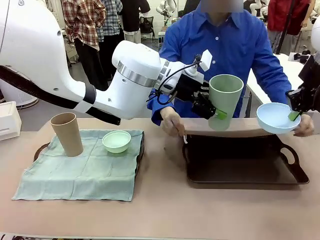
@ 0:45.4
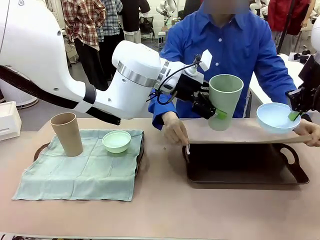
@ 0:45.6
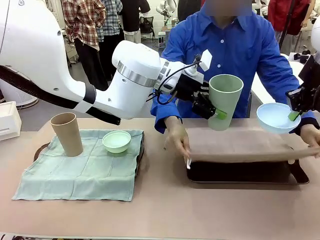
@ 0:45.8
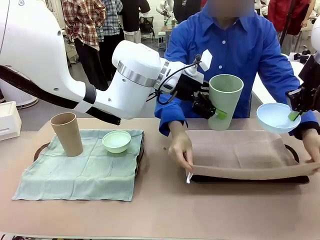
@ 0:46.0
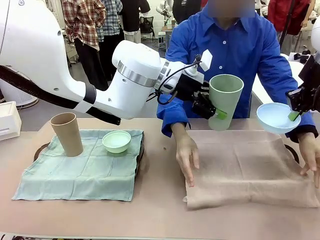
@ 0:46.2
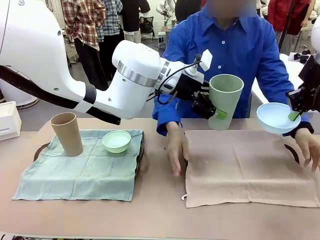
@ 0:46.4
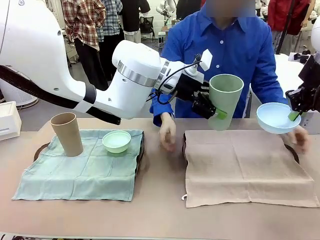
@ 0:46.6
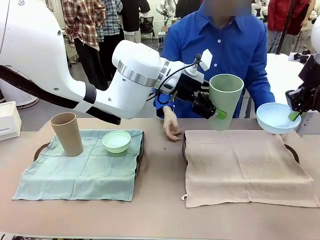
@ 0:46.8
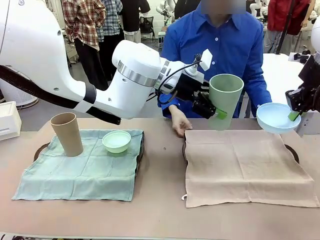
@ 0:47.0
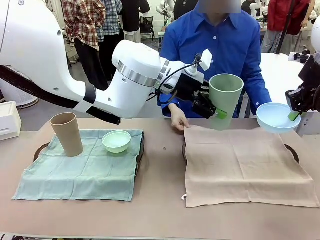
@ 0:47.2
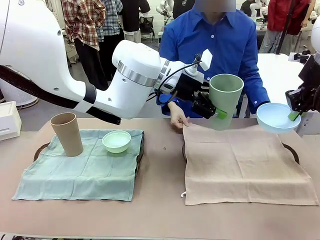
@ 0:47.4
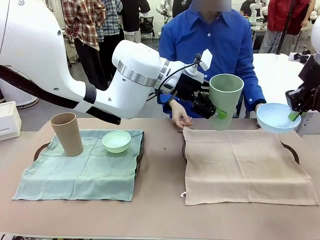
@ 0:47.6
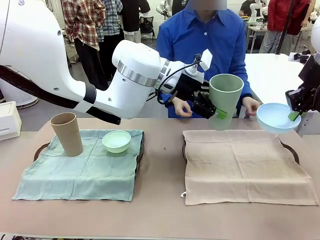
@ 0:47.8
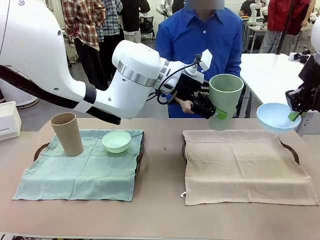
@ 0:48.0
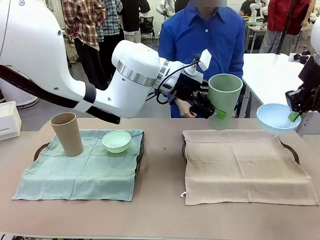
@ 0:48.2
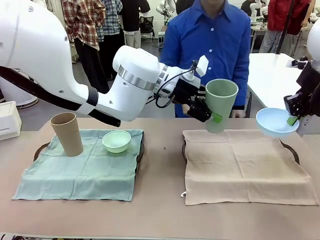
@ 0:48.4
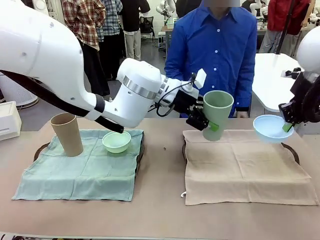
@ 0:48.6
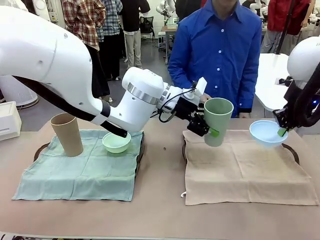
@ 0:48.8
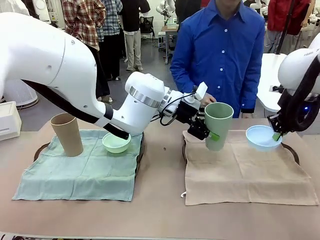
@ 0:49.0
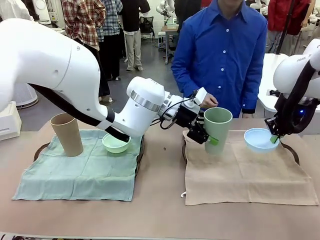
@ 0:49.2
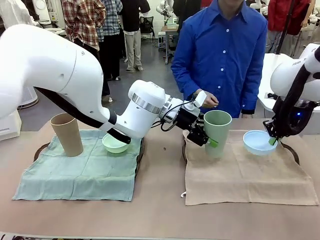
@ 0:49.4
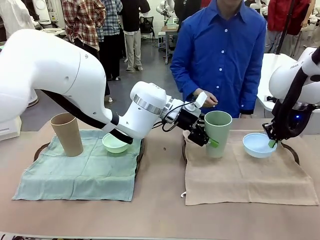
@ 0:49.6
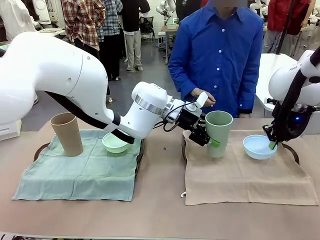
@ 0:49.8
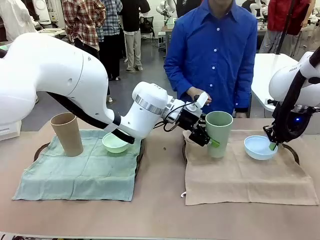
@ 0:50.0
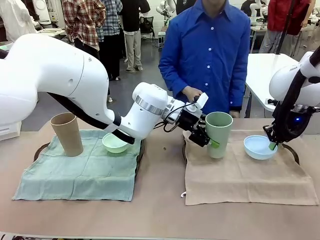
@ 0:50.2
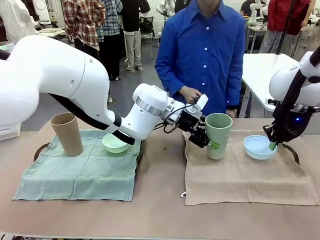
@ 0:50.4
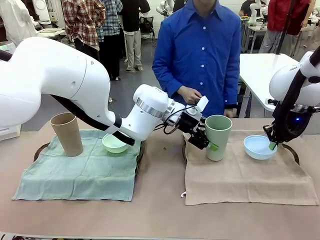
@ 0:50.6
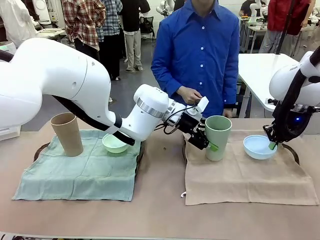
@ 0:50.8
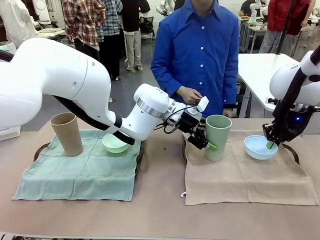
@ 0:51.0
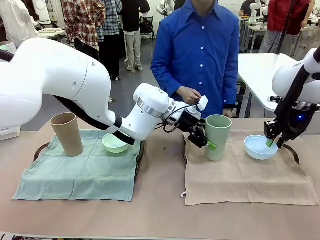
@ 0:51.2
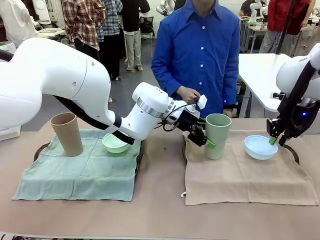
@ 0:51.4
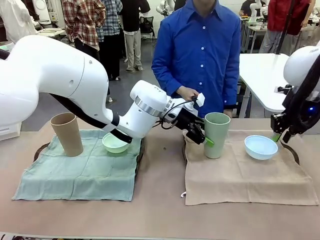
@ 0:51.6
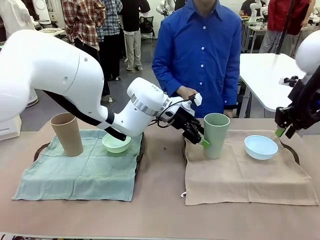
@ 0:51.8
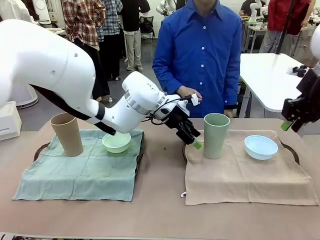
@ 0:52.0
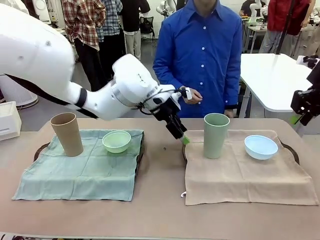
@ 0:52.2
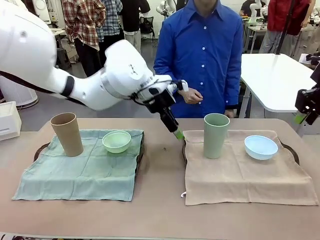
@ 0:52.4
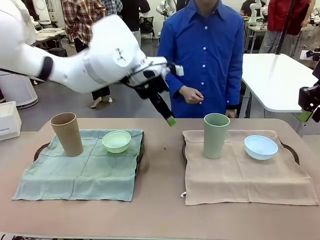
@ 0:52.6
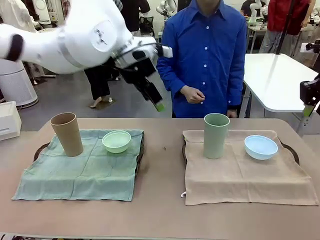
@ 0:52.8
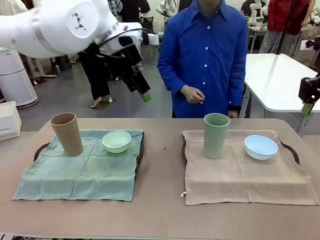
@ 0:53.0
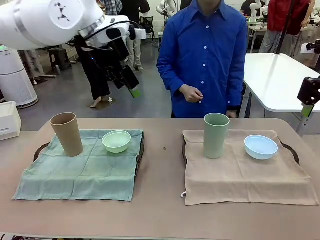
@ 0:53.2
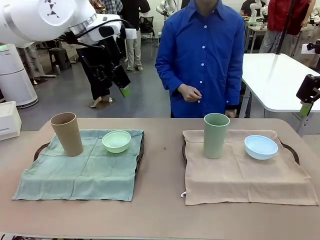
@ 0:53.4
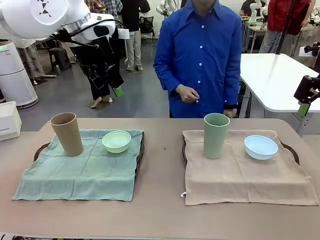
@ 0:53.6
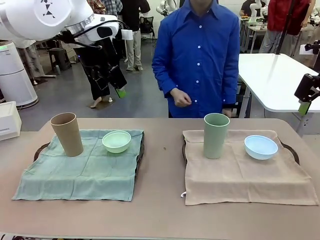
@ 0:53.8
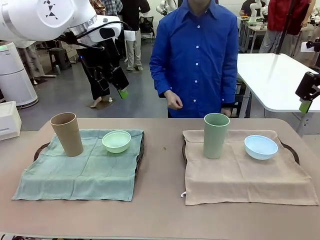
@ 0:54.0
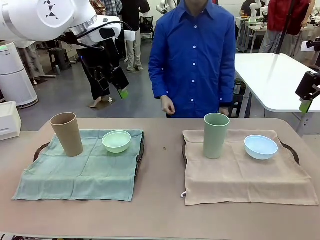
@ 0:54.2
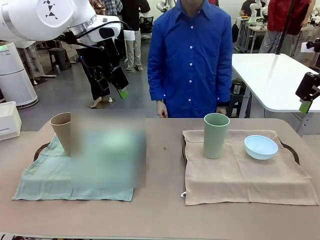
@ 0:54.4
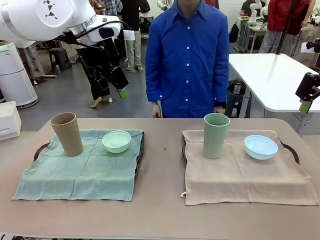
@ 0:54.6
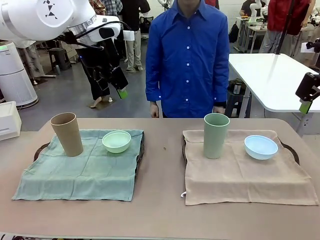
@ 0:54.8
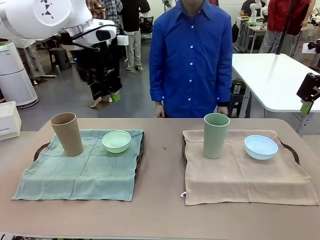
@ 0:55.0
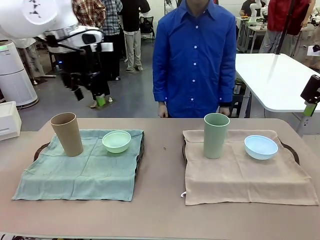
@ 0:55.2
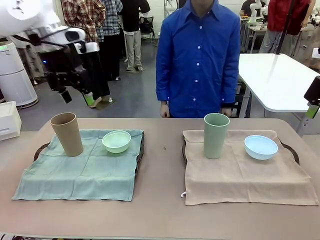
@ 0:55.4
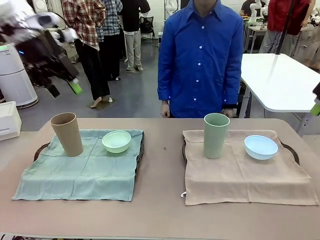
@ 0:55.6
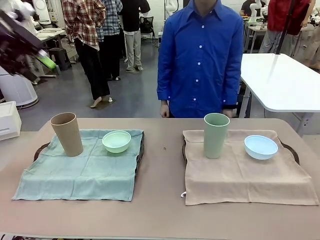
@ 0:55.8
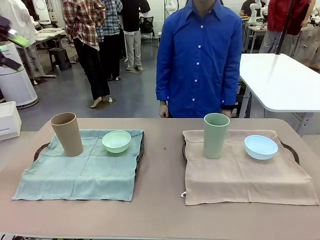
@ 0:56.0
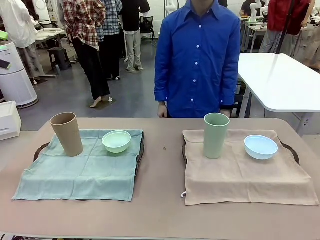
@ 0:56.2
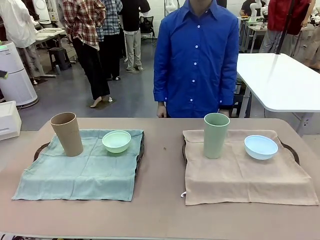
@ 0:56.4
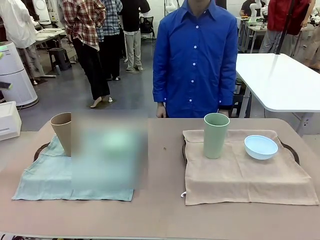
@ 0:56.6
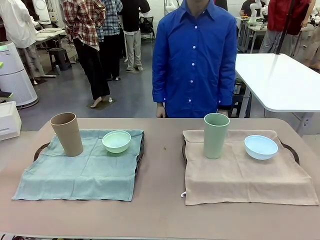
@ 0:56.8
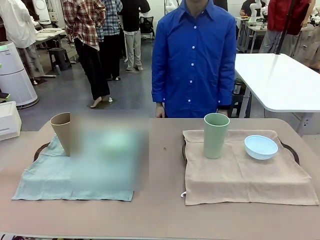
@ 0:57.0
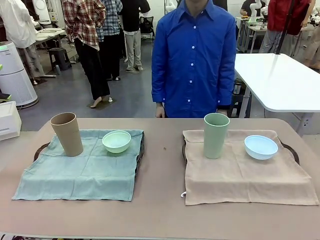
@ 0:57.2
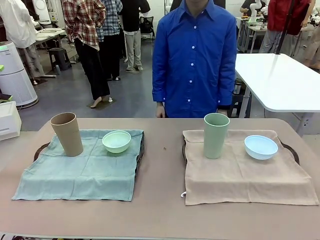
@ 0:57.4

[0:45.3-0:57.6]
Robot: Place the Picnic Bowl and Reusable plastic cup back onto the Handle tray in front of the human's position.
Person: When the robot lifts the bowl and the cup, the human unfolds the napkin and lays the napkin flat on the tray.

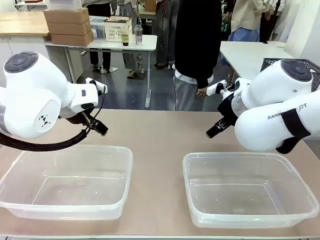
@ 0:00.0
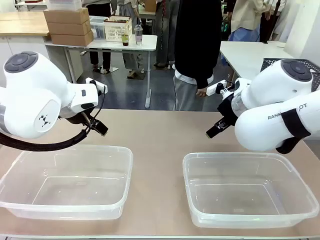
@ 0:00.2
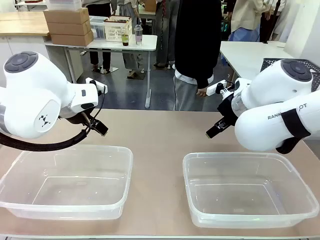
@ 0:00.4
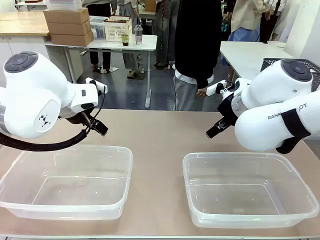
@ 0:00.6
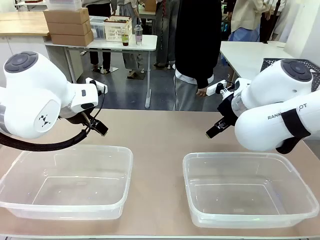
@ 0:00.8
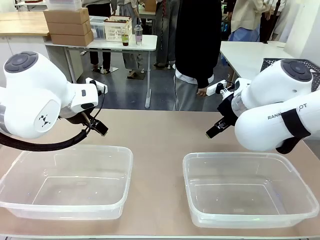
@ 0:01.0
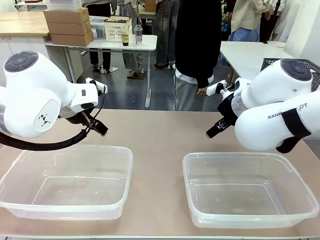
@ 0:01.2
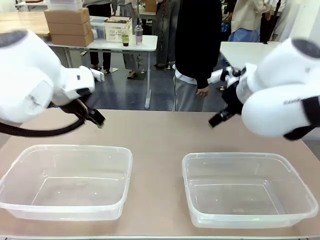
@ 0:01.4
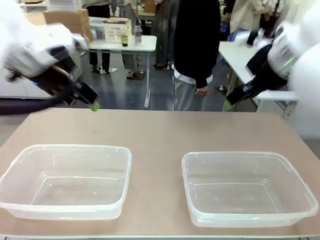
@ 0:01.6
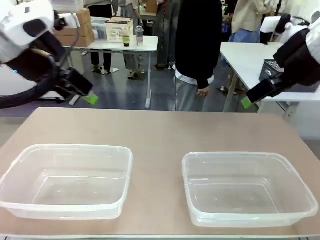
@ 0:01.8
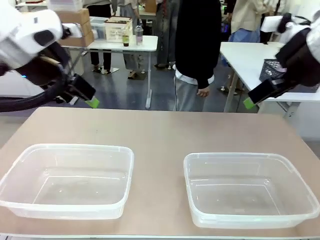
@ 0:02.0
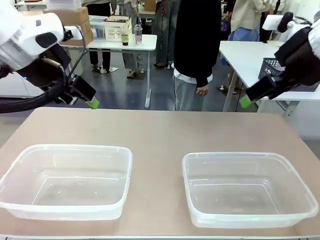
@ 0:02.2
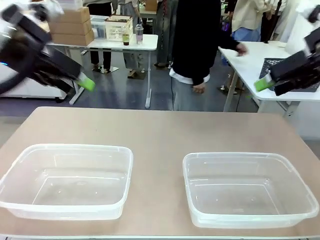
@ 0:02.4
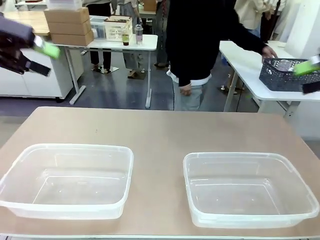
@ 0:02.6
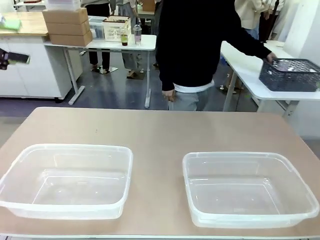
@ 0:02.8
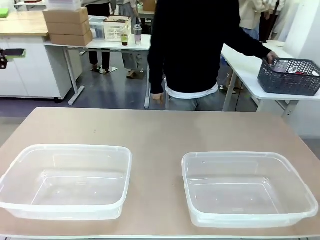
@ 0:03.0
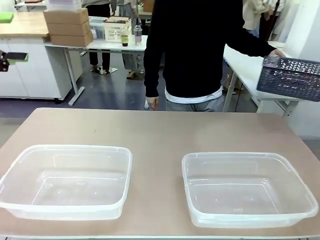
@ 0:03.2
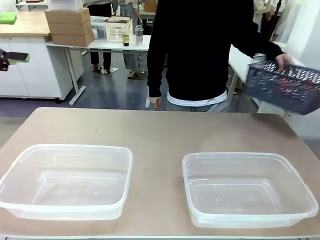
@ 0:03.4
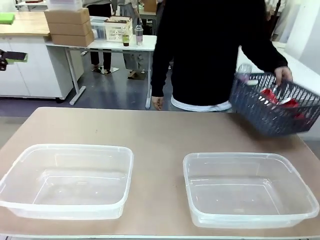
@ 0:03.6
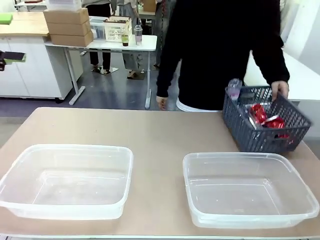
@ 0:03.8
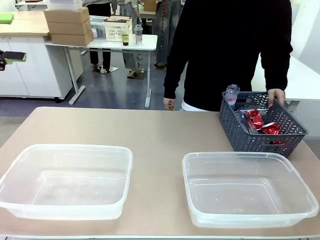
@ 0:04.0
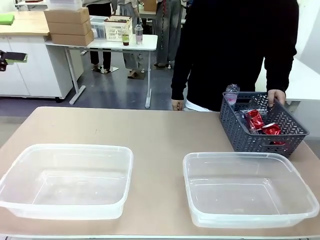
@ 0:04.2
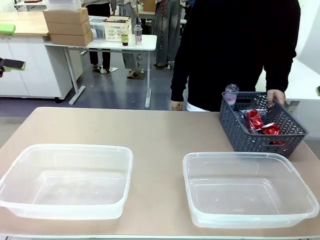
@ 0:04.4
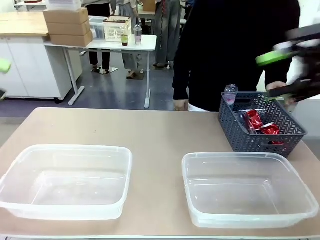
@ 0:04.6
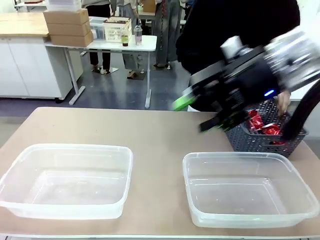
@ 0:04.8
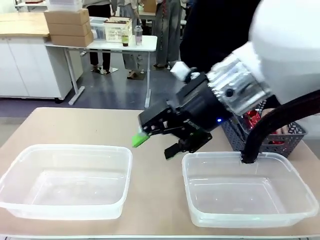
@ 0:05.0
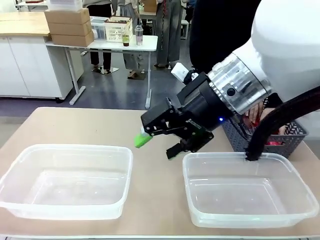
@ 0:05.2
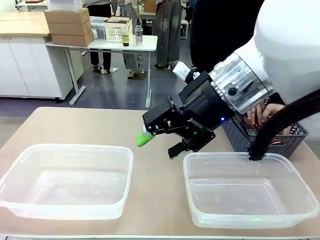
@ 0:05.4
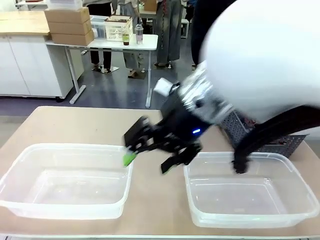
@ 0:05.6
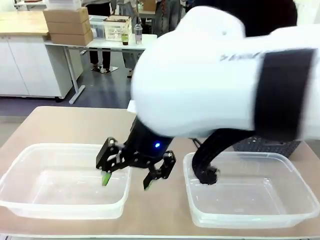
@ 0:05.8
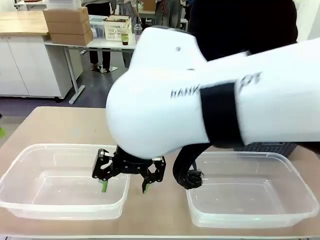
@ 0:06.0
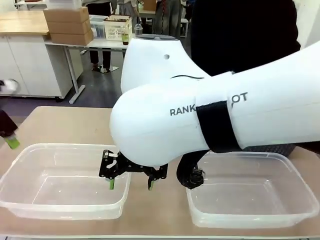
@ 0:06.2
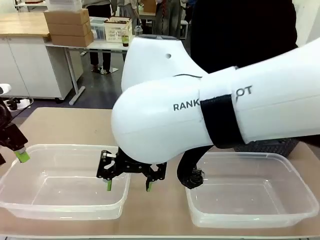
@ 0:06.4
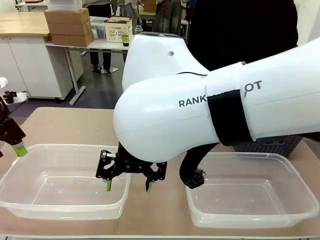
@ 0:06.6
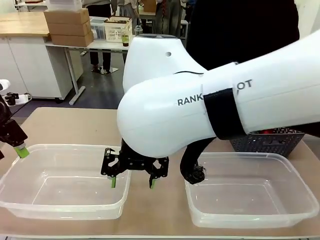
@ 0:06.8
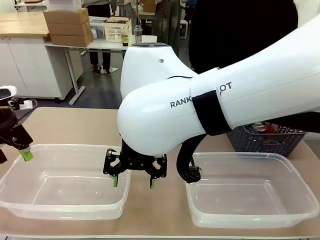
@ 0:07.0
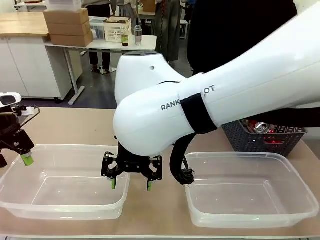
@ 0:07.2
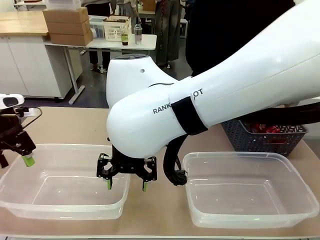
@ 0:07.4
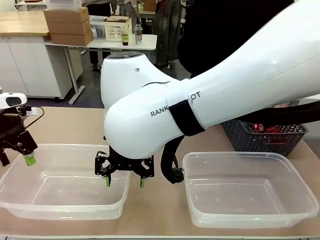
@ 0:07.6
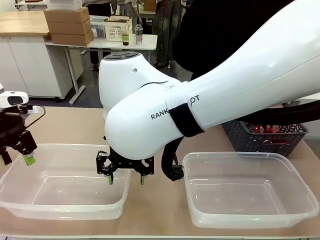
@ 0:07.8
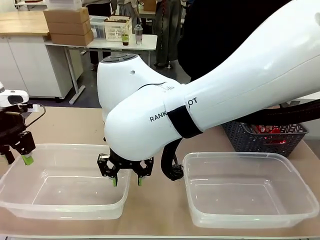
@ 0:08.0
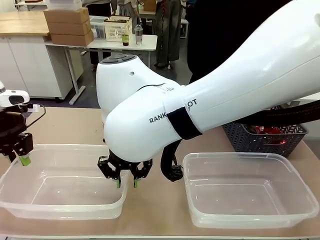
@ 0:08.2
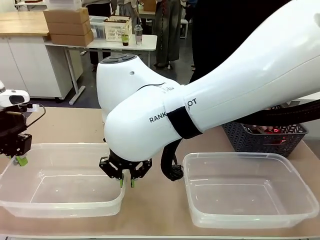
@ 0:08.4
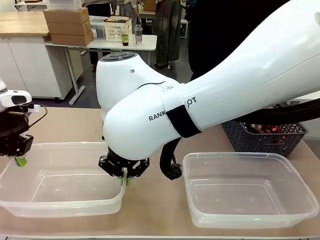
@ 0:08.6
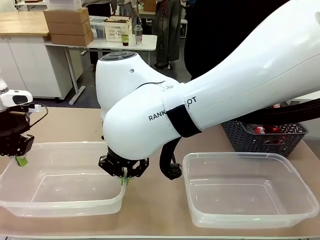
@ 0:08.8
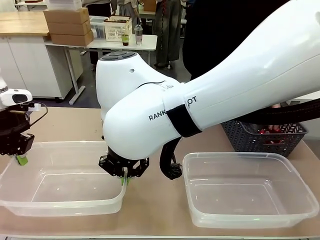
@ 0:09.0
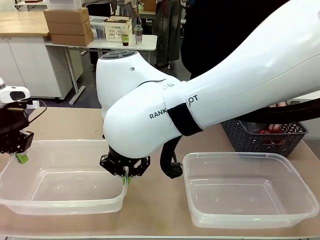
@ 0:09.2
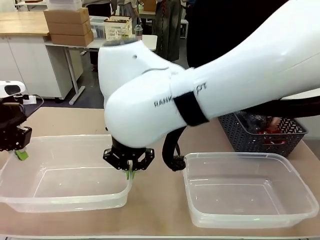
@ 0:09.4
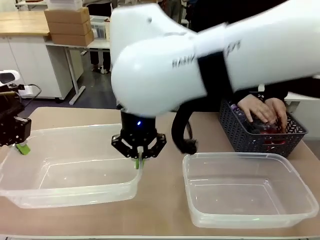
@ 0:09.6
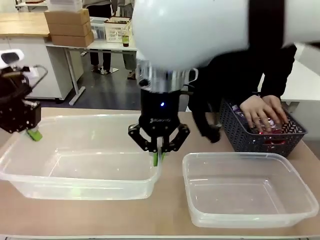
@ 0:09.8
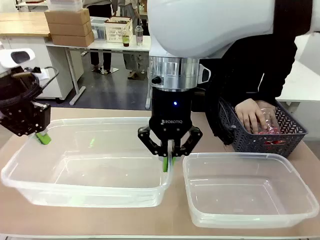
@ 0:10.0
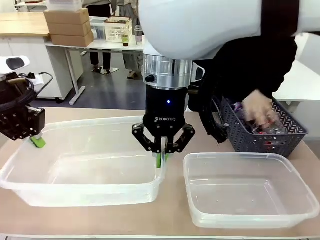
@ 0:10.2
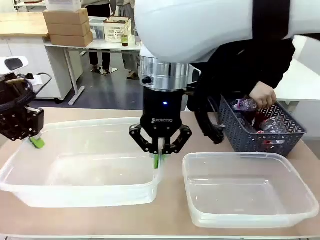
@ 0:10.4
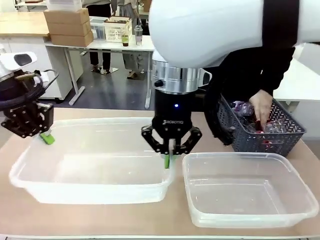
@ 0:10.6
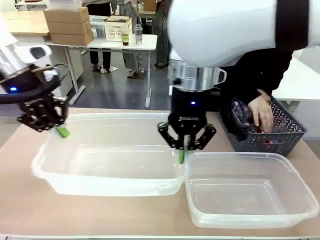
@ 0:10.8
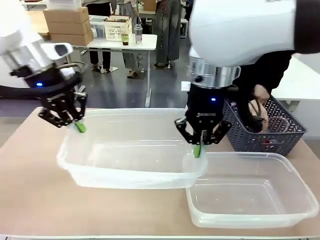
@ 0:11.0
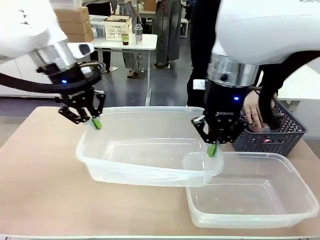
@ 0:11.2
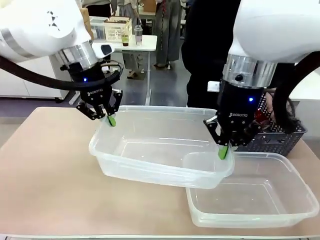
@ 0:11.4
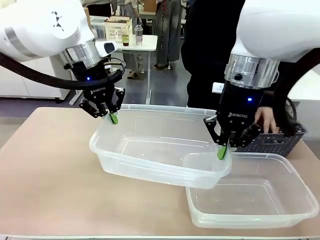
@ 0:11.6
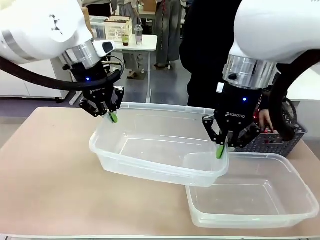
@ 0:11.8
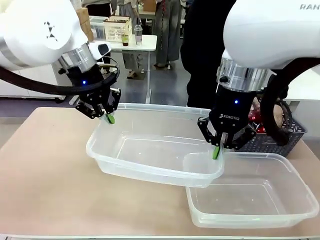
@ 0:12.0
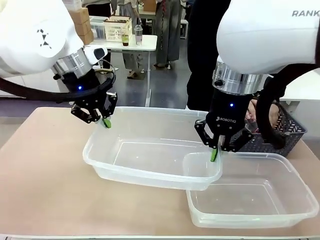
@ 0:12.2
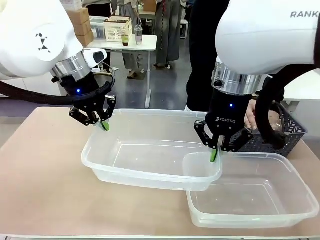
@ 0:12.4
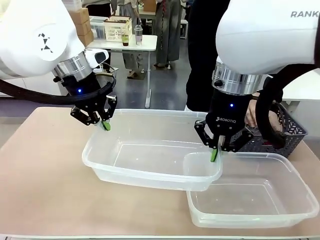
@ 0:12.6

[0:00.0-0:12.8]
Robot: Pick up the Organizing box on the left side of the table and lift it.
Person: Pick up the storage basket and place it on the left side of the robot table. Pick up can-shaped waste one by one and place it into the organizing box lifted by the robot.
